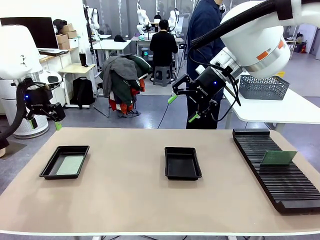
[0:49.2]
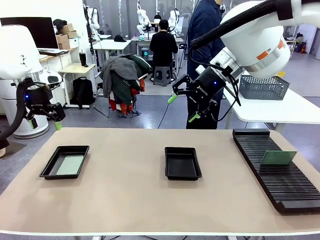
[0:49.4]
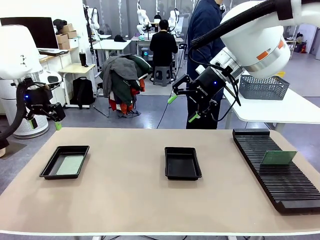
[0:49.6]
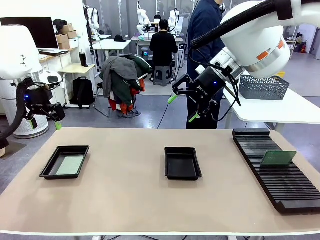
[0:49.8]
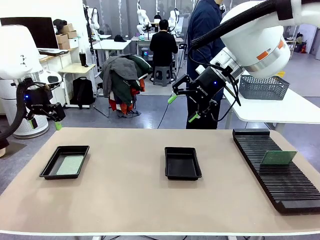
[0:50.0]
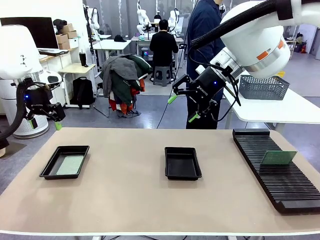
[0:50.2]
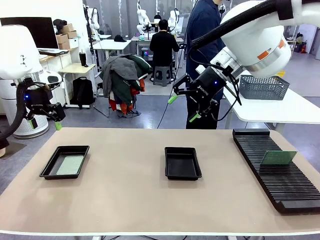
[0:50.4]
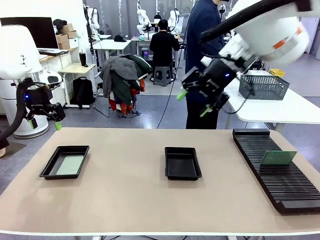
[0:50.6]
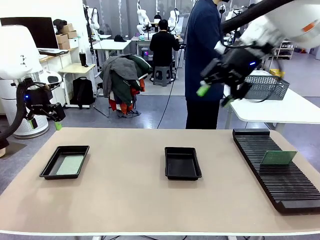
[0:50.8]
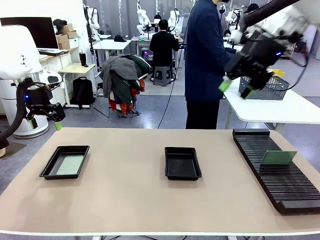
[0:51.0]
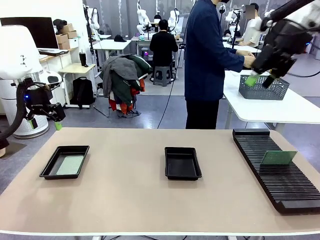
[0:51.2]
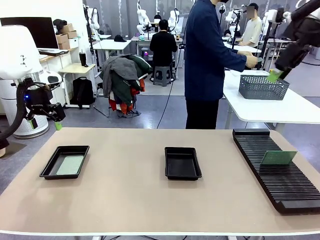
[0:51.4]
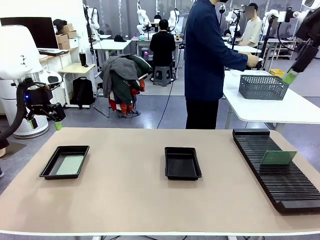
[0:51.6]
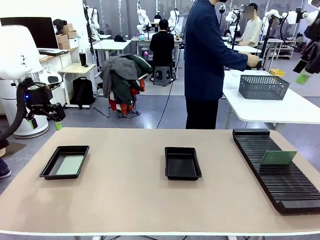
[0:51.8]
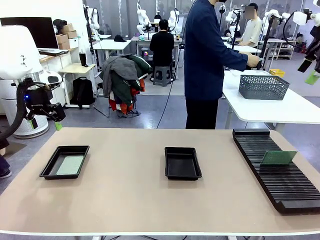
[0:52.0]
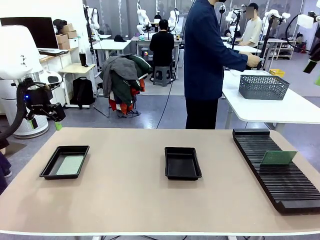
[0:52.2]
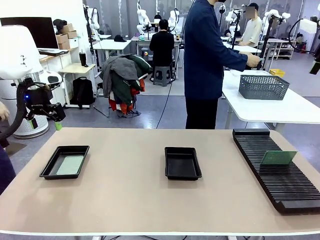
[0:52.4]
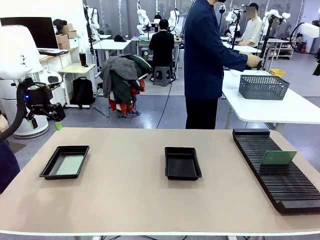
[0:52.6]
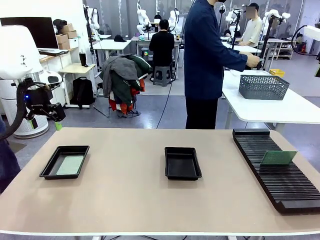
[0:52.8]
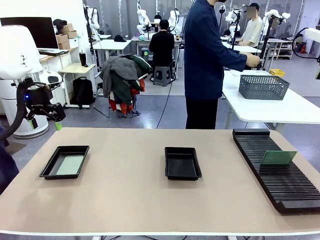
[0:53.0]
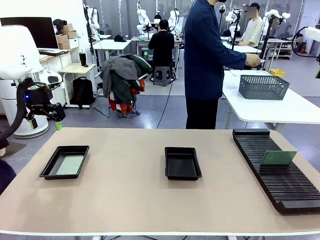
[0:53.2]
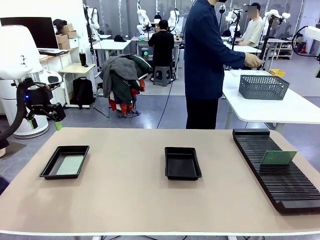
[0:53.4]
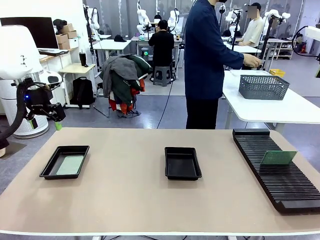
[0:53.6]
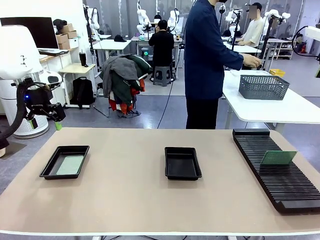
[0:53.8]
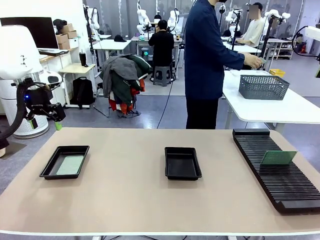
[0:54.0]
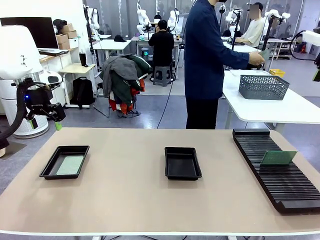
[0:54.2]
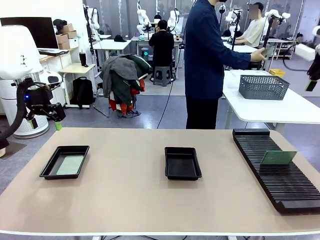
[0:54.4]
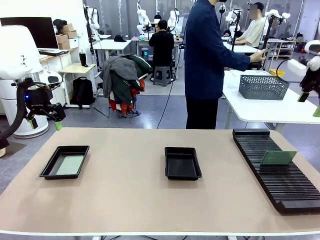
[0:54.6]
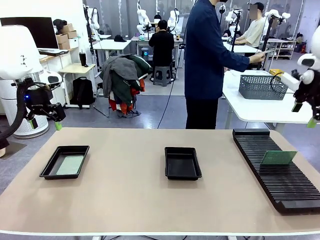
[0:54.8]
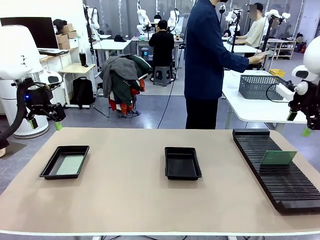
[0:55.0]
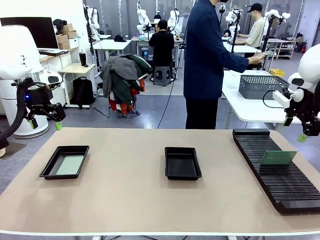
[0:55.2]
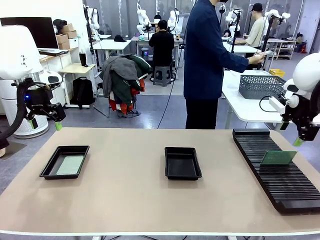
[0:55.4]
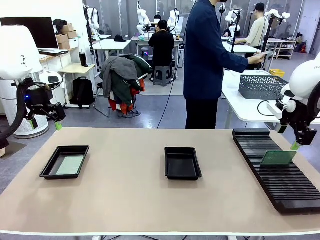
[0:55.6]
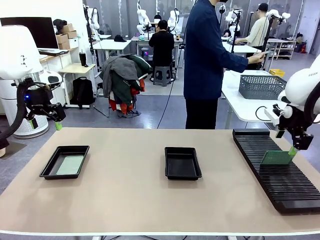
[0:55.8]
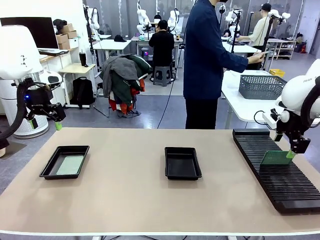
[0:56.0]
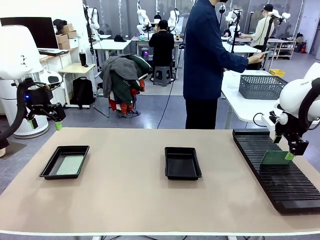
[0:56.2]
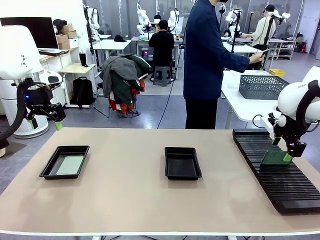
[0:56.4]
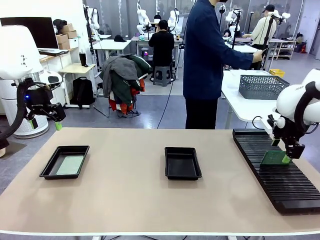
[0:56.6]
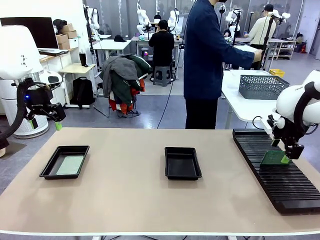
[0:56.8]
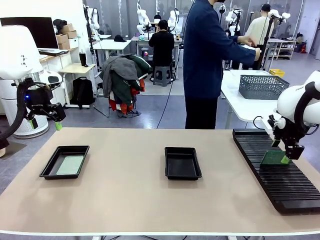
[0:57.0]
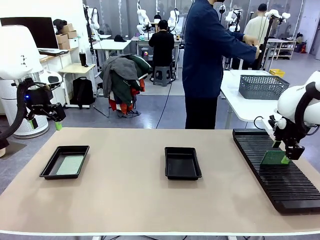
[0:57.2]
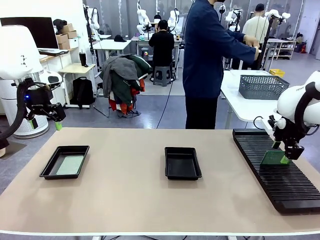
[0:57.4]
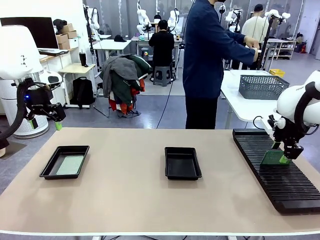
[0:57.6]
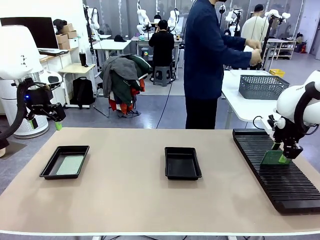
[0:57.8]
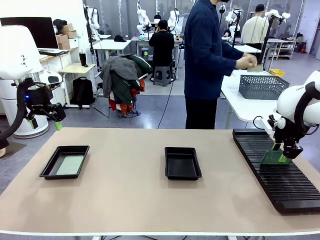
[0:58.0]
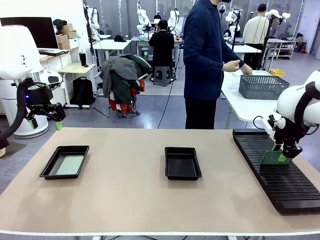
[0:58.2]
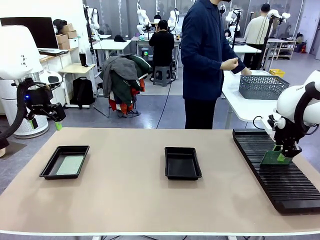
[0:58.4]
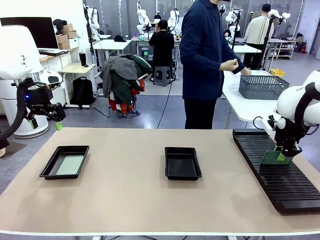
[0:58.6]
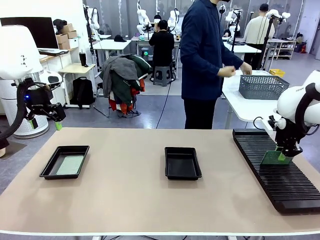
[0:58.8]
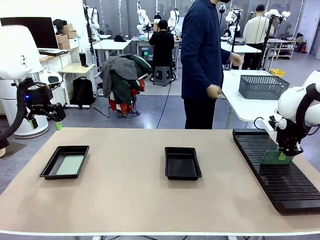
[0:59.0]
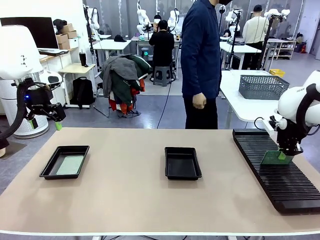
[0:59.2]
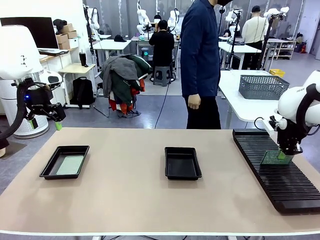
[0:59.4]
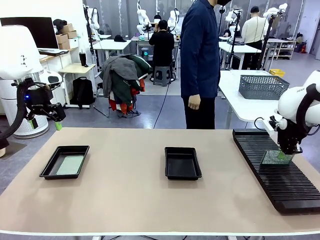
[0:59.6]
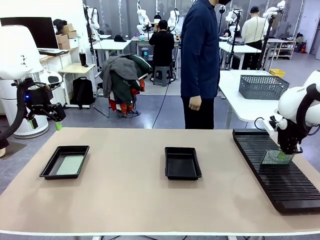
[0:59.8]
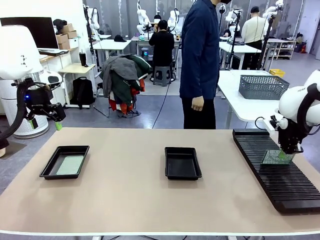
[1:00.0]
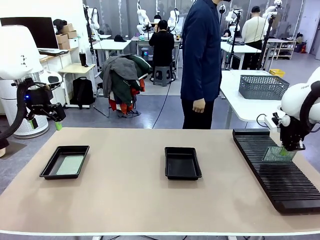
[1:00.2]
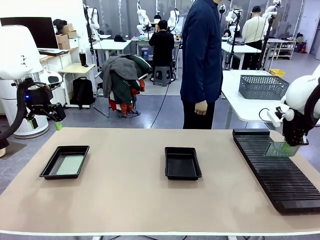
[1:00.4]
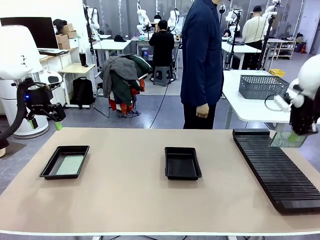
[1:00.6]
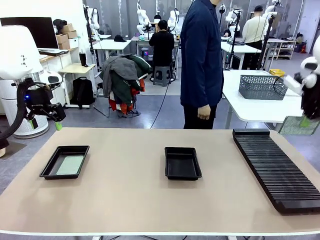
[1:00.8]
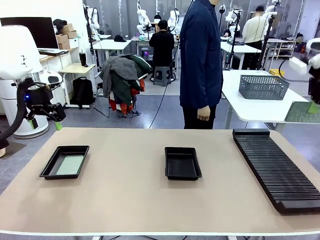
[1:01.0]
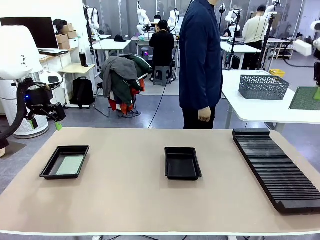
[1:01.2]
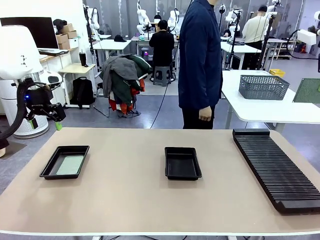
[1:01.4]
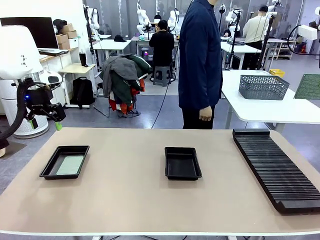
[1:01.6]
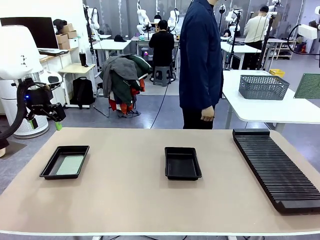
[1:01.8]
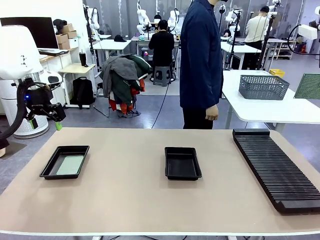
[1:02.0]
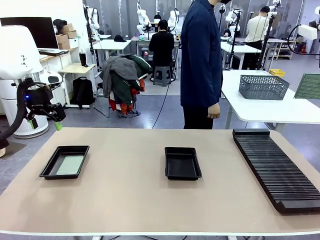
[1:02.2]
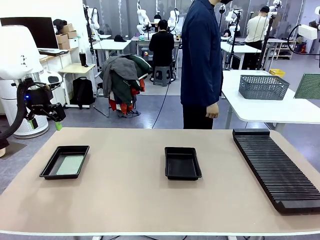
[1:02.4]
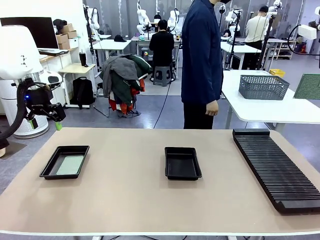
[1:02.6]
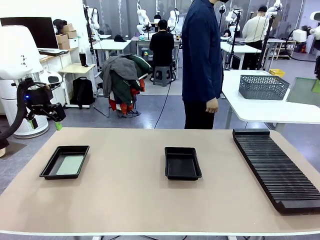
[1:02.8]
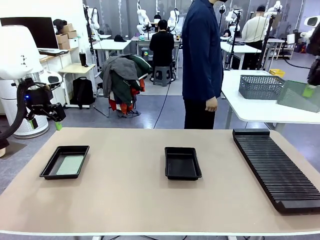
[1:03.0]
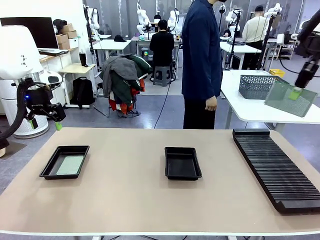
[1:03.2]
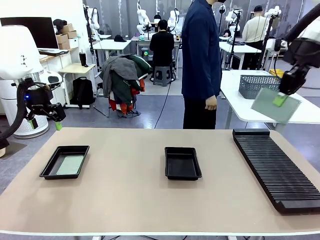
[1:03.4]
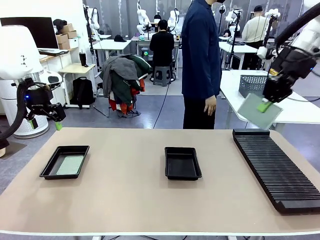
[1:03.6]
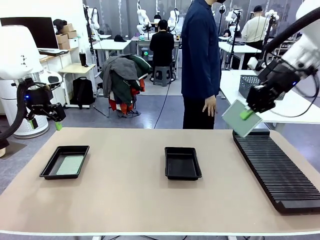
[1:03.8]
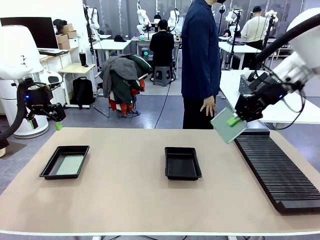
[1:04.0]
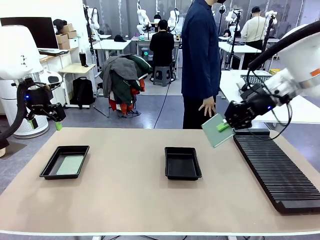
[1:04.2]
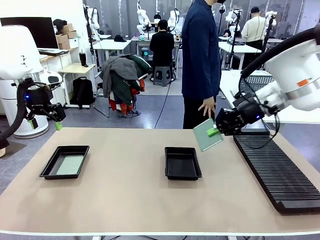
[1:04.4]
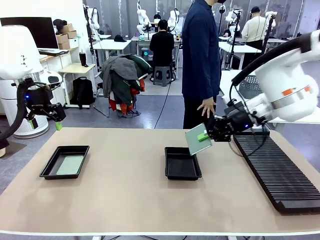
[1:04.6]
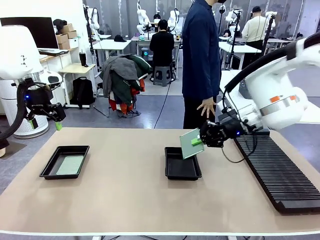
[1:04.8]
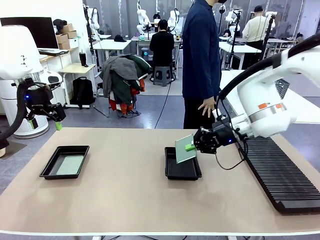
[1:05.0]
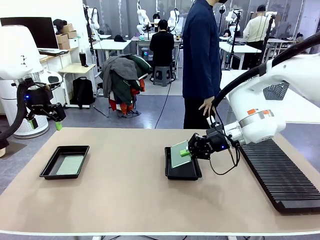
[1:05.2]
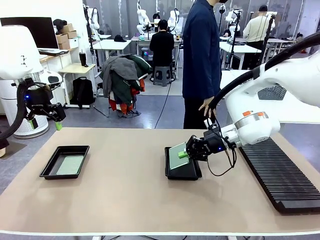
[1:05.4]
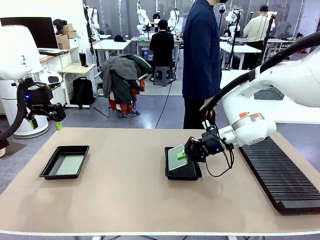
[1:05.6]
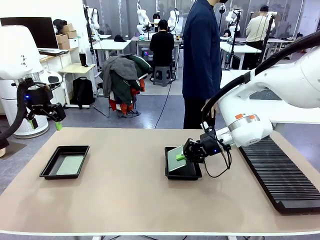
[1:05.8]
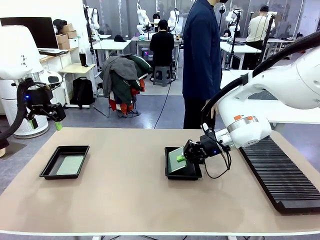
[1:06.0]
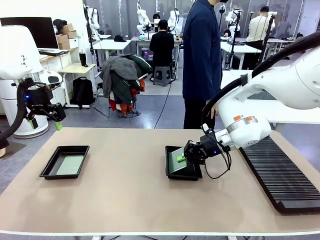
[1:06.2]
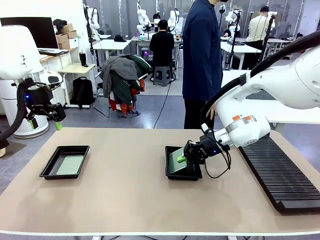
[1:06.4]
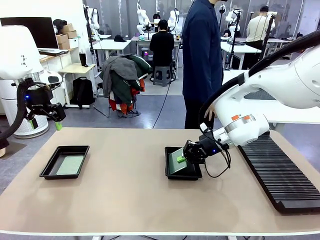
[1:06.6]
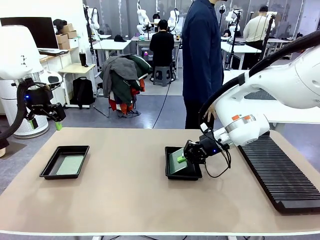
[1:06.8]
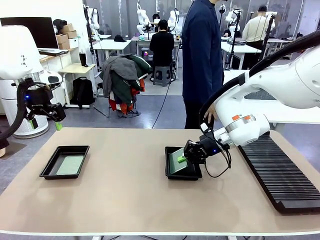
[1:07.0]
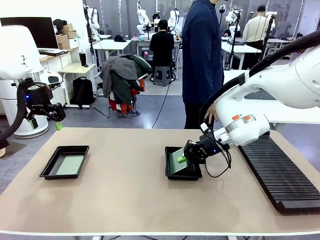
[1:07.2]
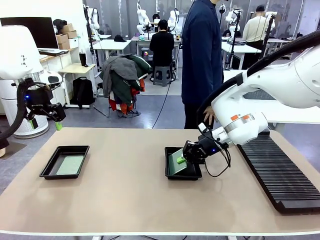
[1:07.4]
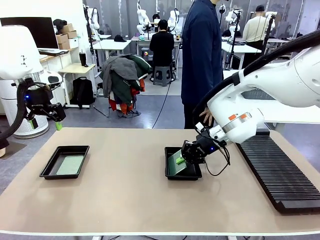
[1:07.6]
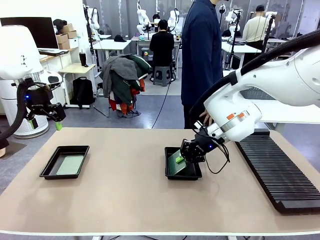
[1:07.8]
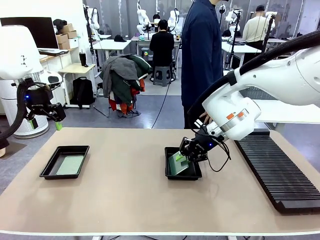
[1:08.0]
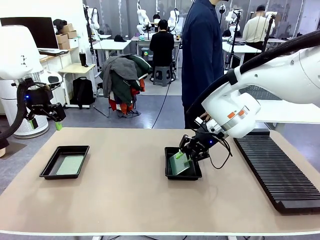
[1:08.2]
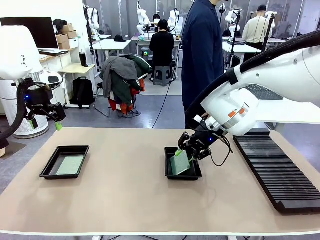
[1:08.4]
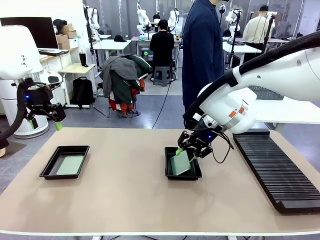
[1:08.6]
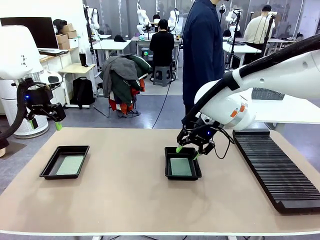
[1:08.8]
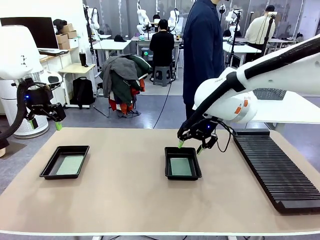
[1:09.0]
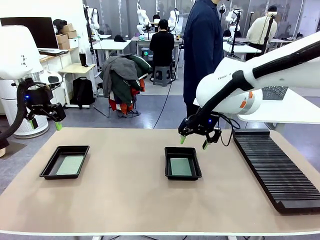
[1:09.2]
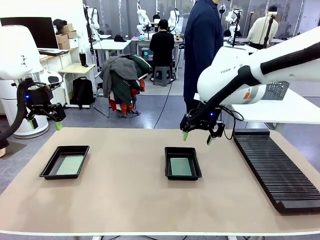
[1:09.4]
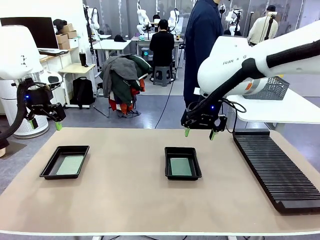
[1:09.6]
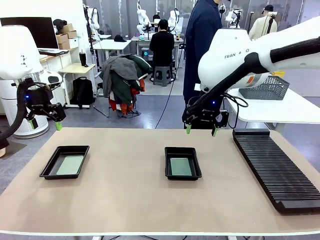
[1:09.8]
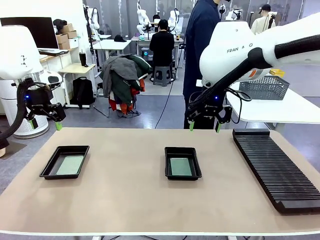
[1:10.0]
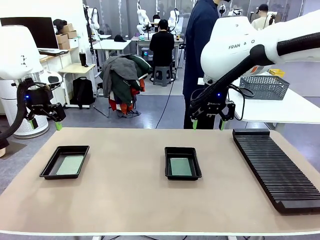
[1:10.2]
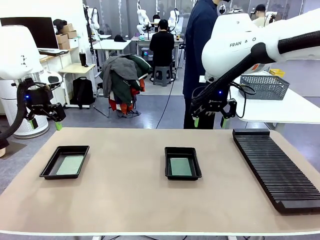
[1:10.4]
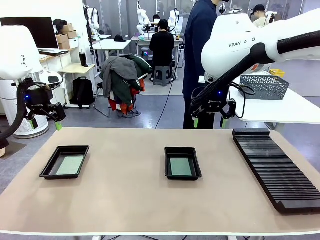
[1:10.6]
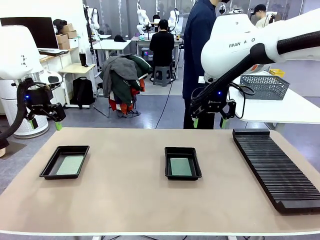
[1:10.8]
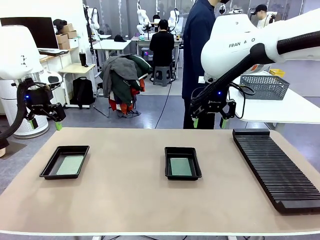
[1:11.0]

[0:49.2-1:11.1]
Task: Inspect and transfer BCBs to ESD trays.
Robot: Pick up the Blank PCB from the PCB Rack and place it in the right ESD tray.
